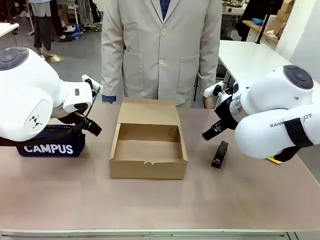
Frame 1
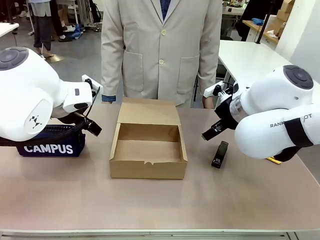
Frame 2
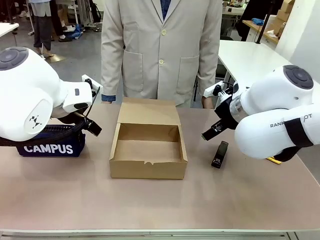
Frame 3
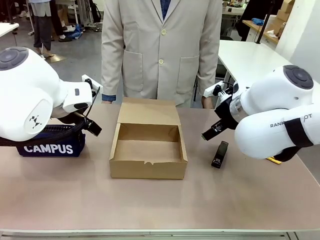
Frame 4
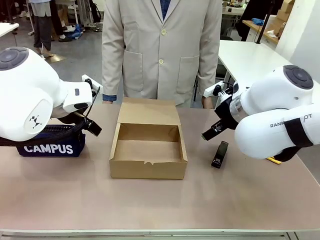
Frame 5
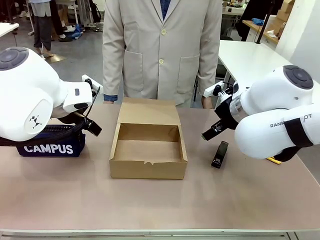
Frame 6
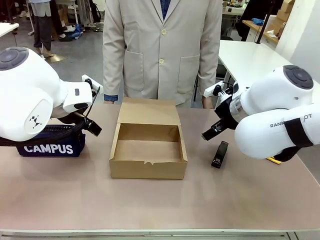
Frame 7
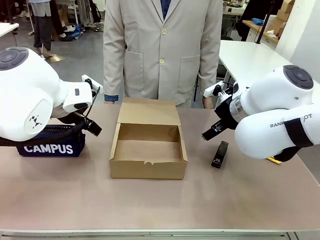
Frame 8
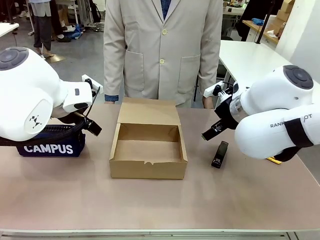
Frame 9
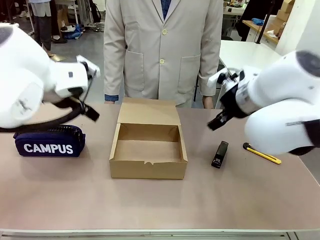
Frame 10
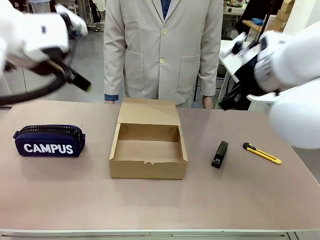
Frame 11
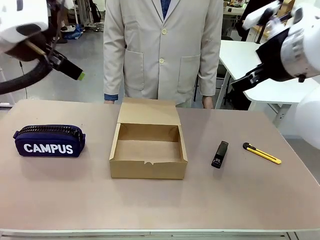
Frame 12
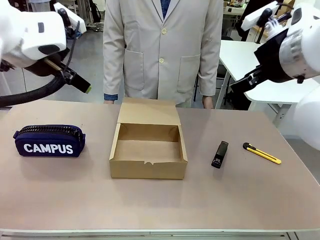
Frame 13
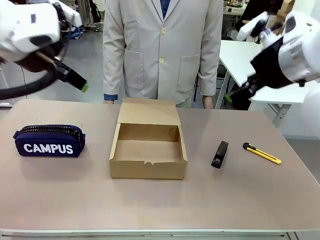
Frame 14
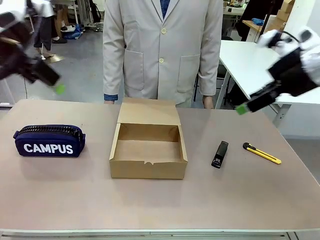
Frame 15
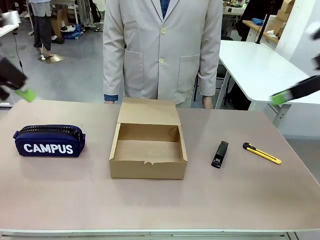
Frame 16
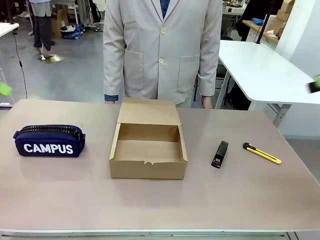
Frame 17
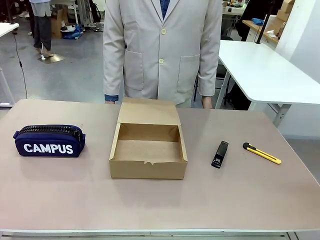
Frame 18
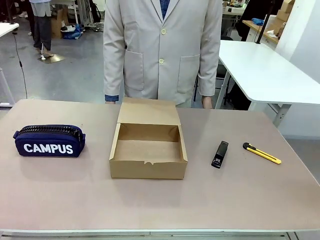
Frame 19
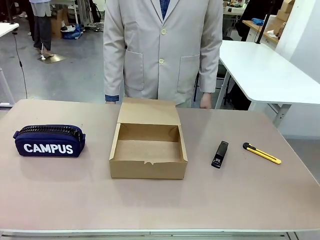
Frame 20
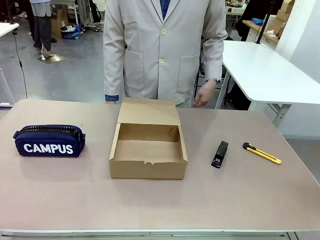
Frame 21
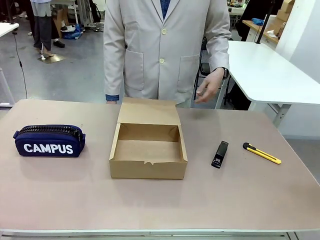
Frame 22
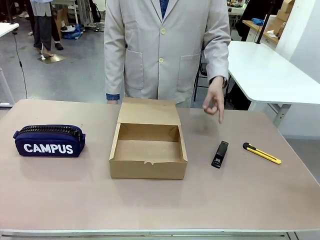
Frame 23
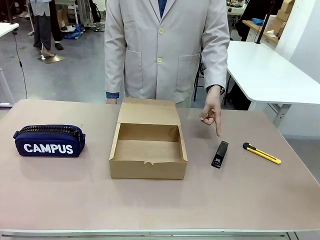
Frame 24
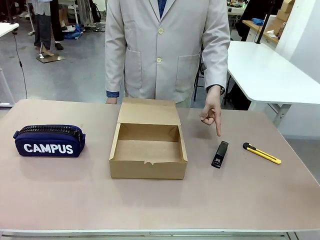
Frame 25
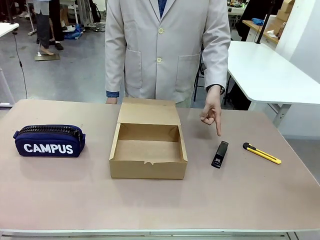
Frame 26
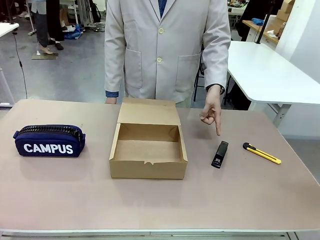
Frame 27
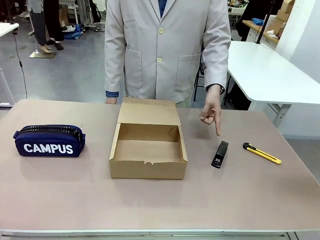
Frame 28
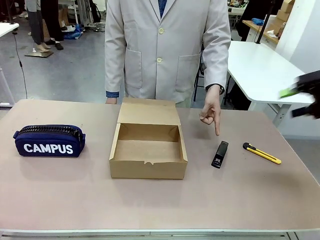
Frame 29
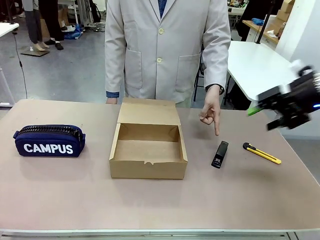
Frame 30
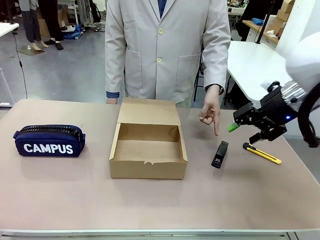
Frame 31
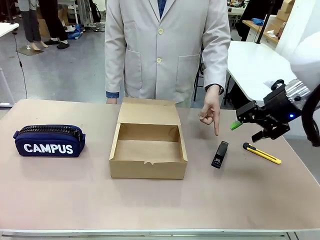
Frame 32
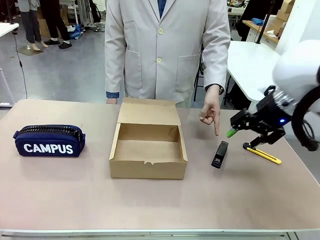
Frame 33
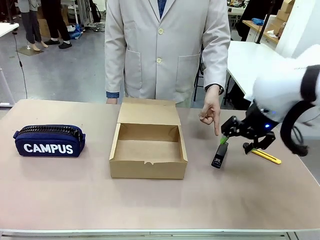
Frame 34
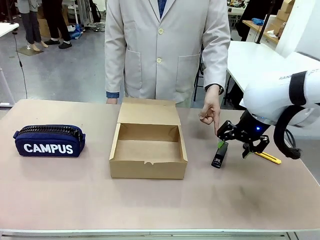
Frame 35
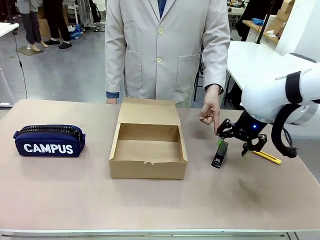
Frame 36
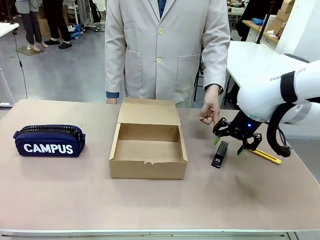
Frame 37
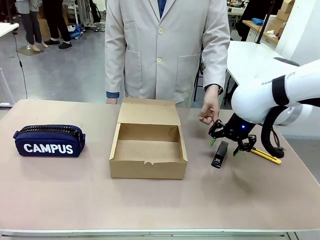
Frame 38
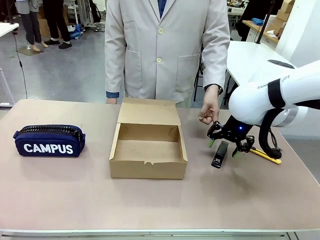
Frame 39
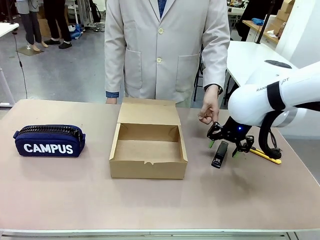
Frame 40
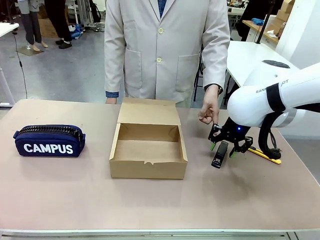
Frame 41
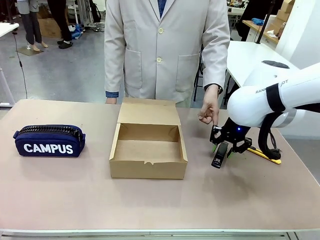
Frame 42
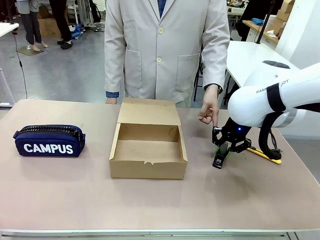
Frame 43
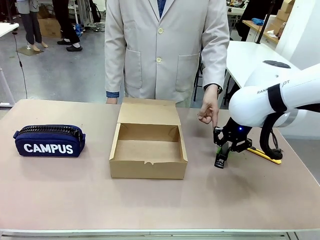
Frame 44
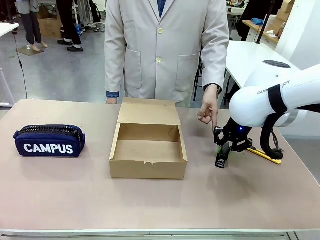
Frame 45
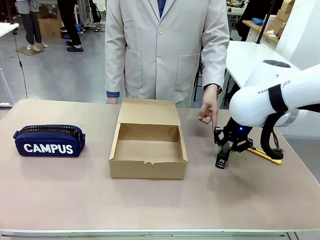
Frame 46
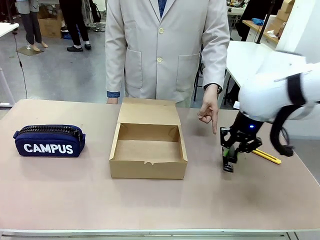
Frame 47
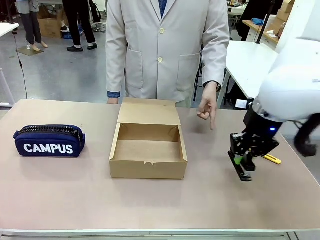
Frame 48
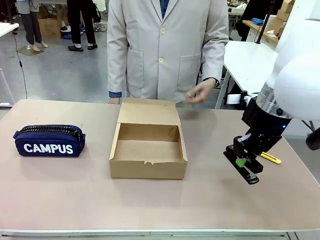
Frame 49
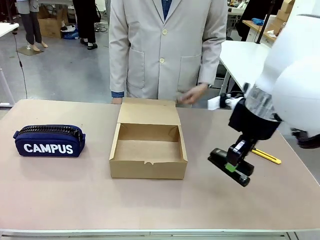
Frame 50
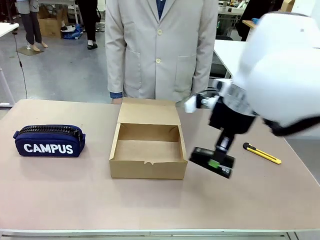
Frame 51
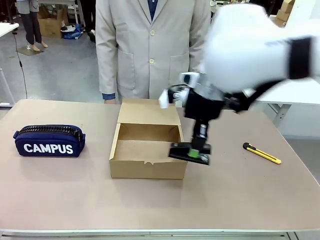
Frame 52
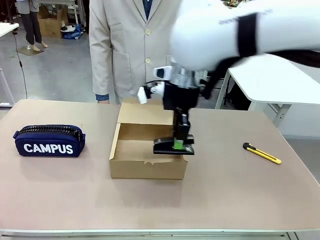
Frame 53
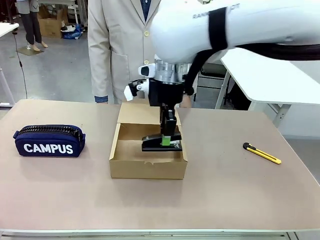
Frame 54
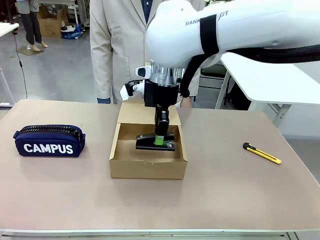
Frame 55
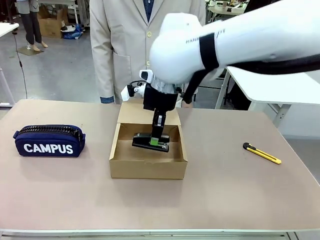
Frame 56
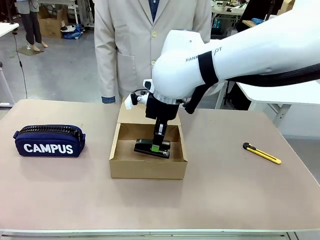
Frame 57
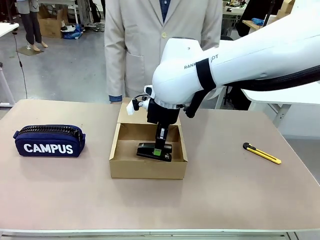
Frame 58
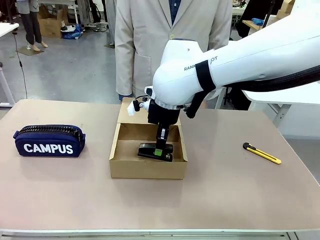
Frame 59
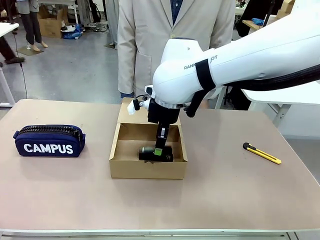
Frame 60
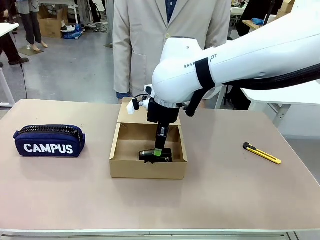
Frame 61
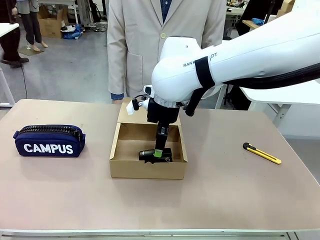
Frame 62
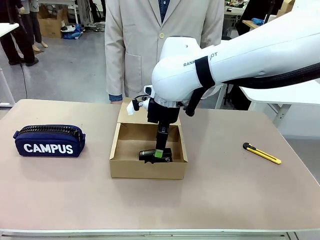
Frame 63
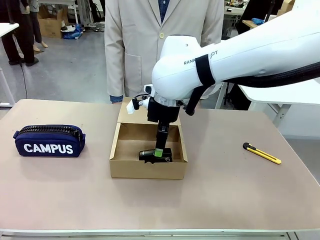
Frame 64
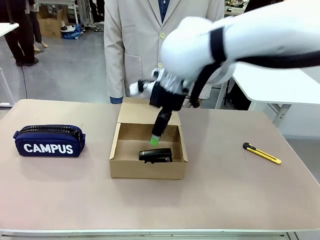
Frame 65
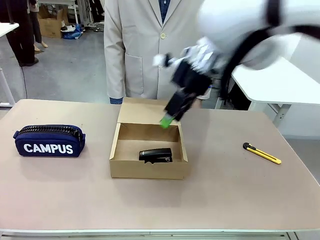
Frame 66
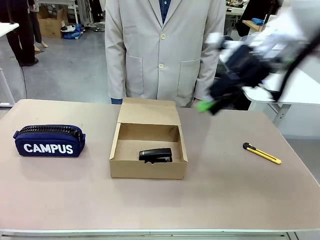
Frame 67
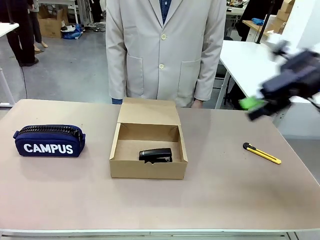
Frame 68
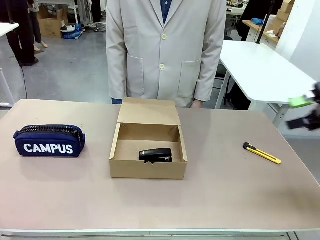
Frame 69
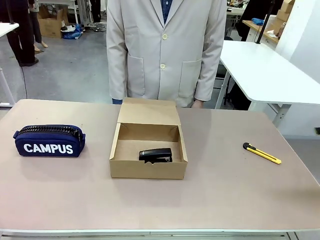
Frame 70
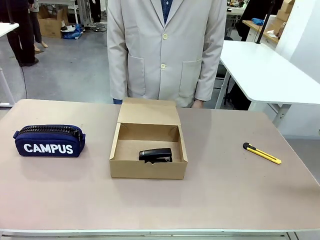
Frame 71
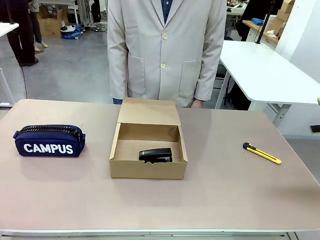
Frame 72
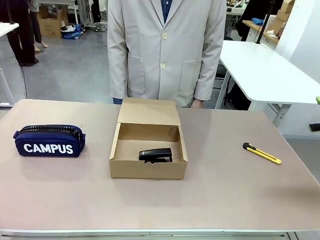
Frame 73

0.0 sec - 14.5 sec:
Task: Pack the item into the box.
Robot: Pick up the item indicated by the person and place it inside the Mailer Box.
Person: Point at one item on the table (excluding the box).
